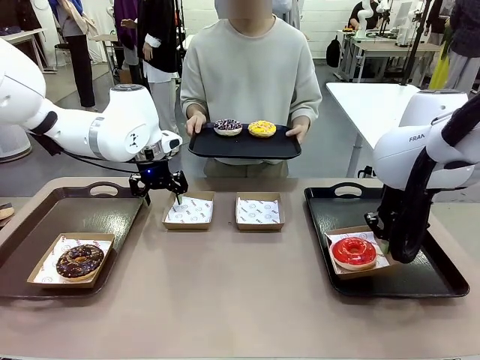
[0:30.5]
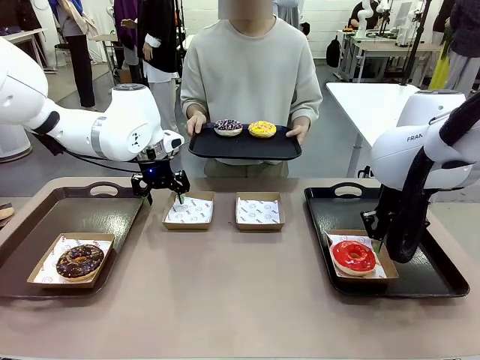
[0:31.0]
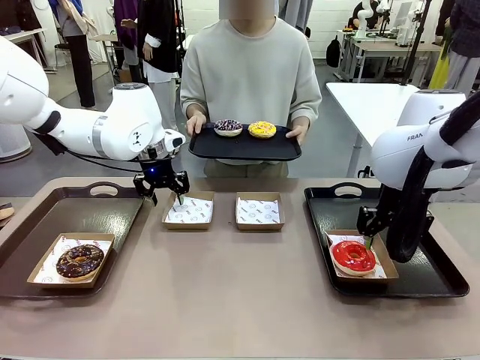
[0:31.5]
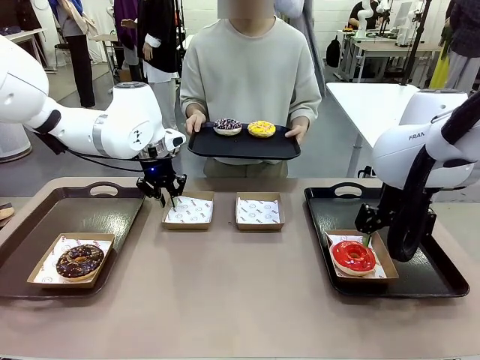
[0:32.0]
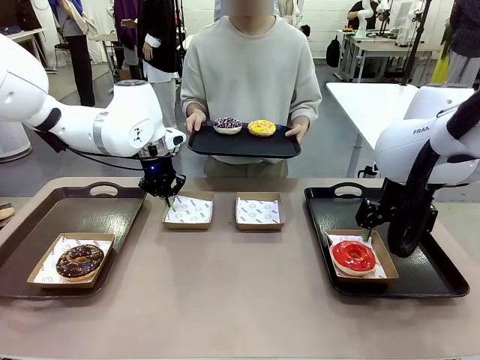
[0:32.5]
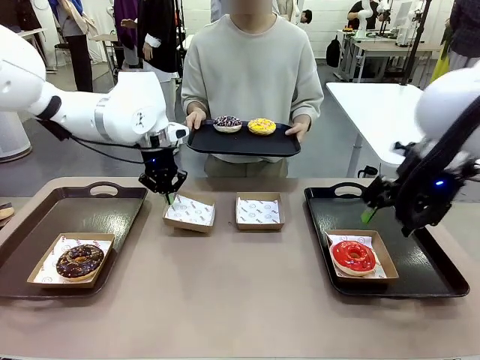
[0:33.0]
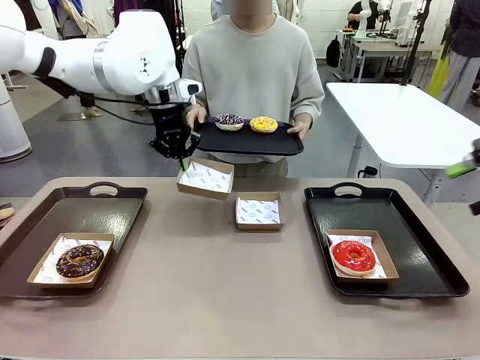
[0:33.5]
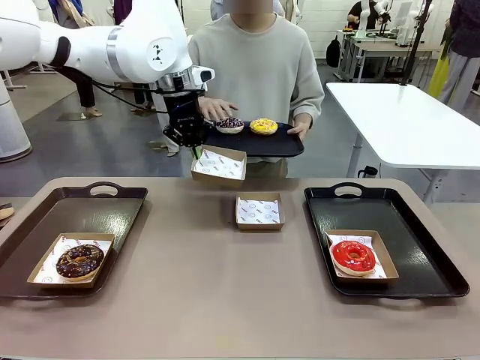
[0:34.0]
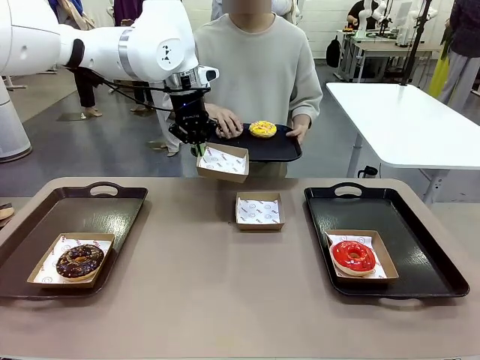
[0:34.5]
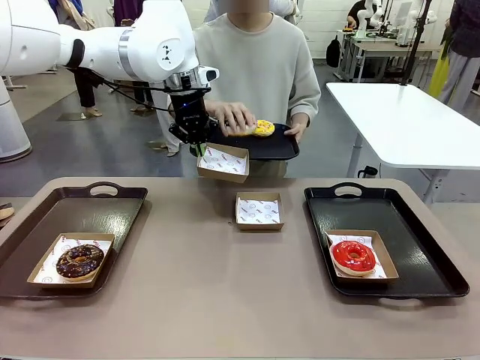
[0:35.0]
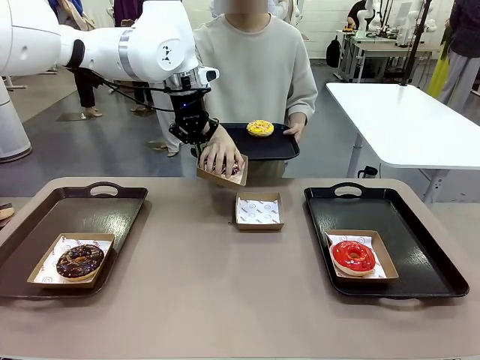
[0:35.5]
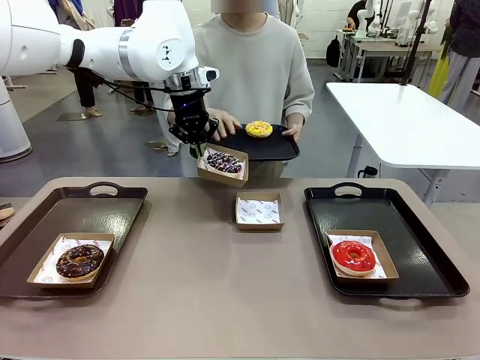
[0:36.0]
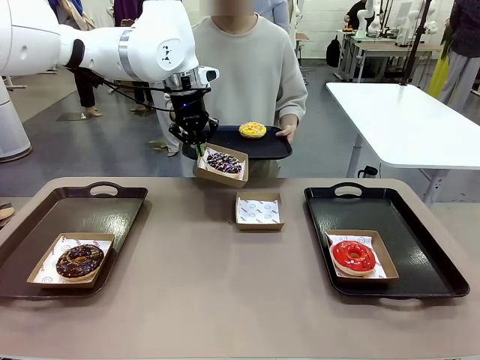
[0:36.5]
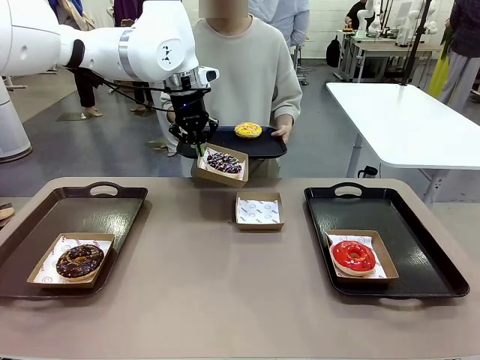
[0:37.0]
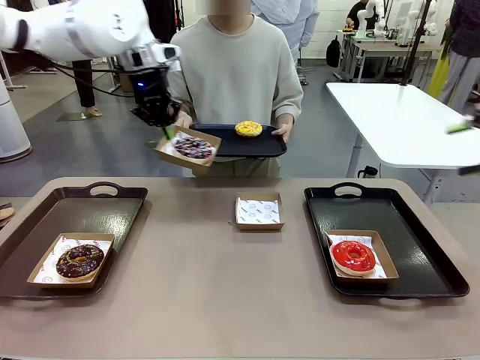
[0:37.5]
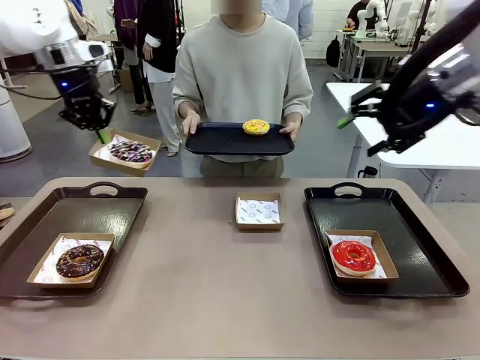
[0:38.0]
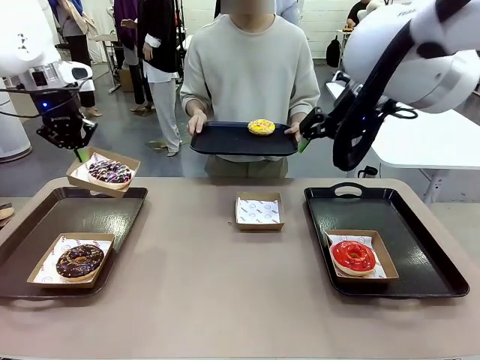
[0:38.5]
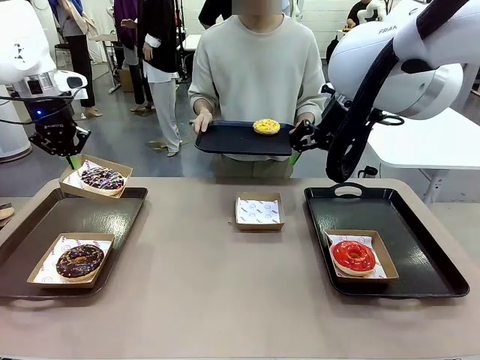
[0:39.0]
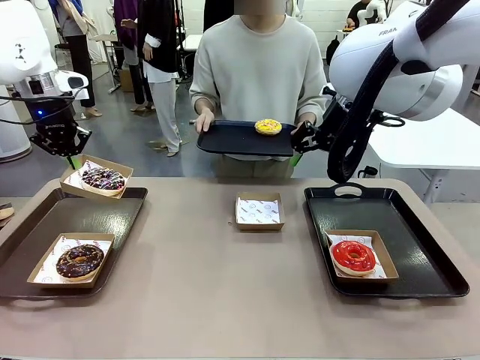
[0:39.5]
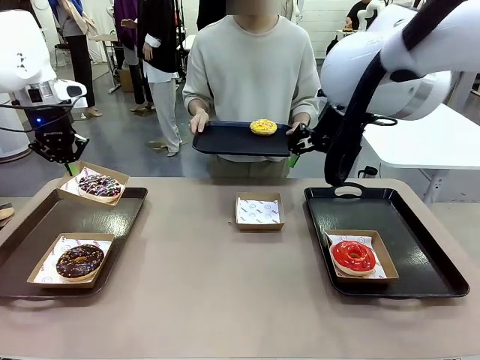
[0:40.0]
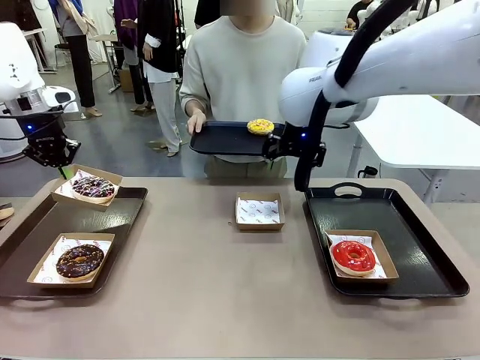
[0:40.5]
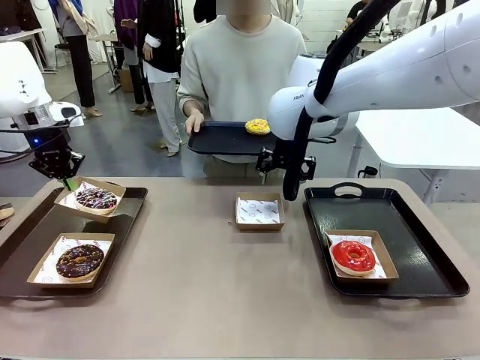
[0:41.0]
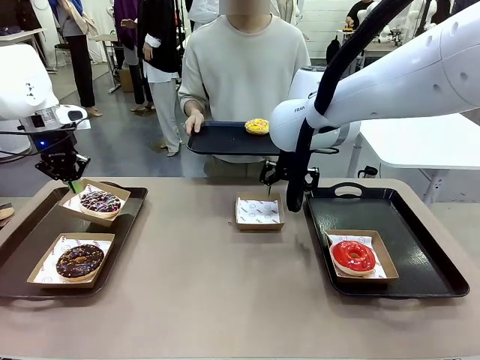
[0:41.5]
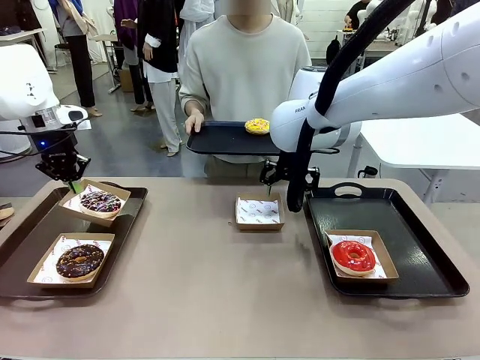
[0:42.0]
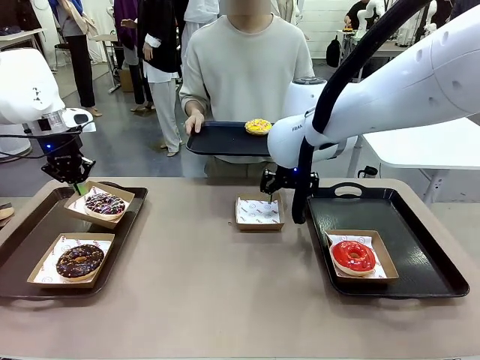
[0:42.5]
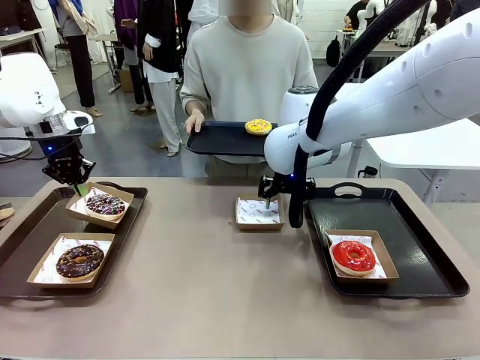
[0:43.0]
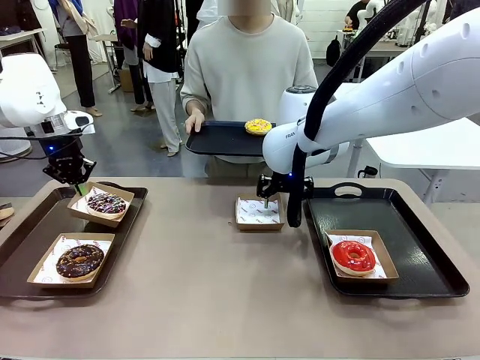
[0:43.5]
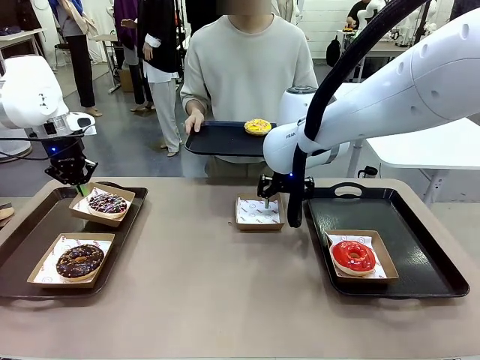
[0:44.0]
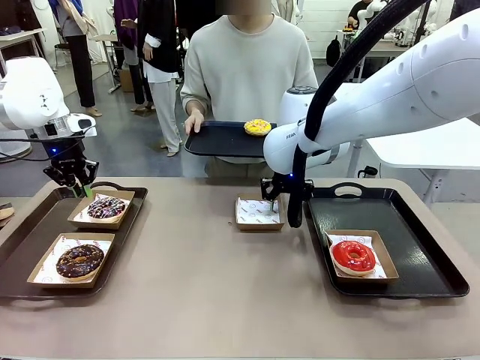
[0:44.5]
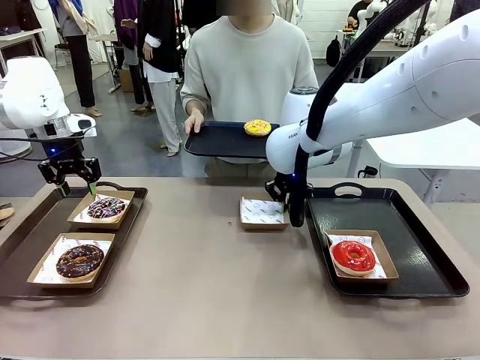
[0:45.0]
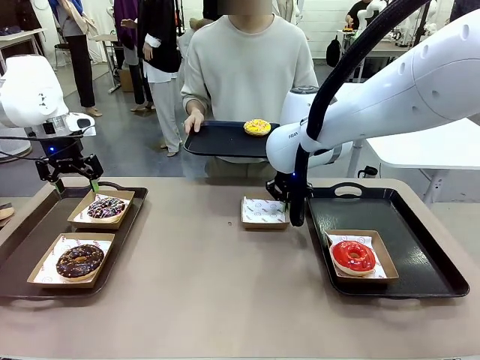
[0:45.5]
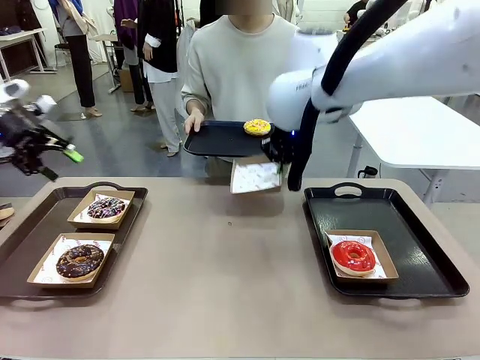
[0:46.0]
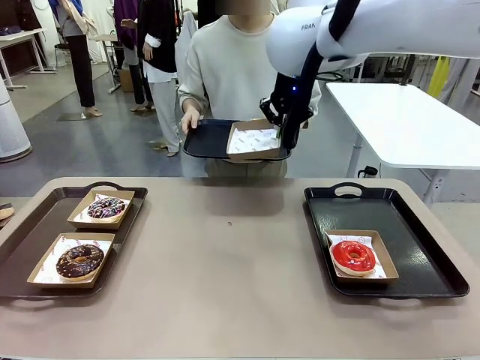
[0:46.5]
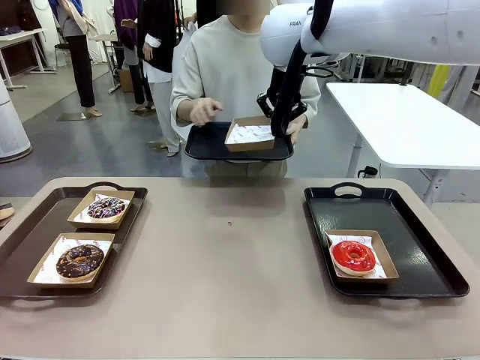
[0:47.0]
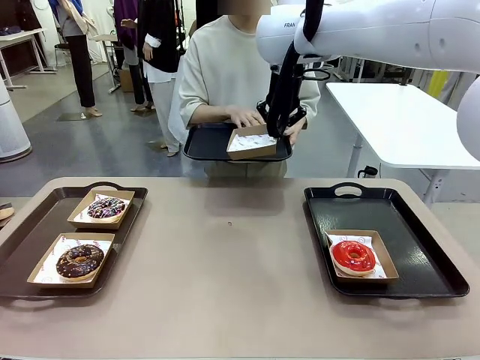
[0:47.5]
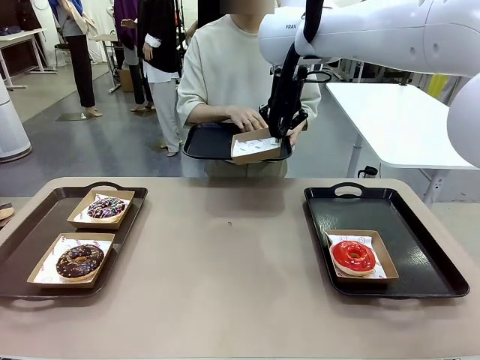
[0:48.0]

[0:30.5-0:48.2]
Task: Individually package the donuts and arrange them on the tray.
Robot: Place the picked Paper togo box on the Handle tray while simultaneously picking up another Paper togo box from the table with the other hand.

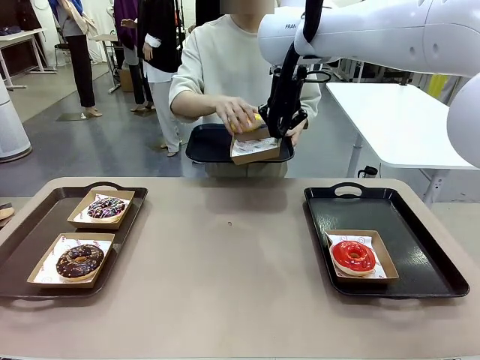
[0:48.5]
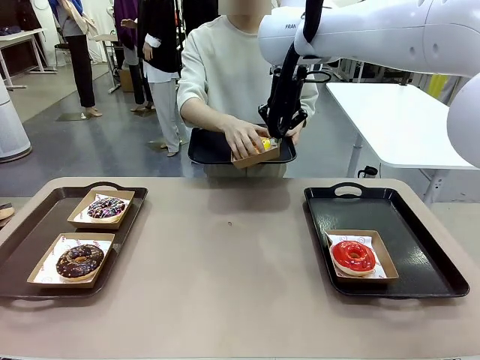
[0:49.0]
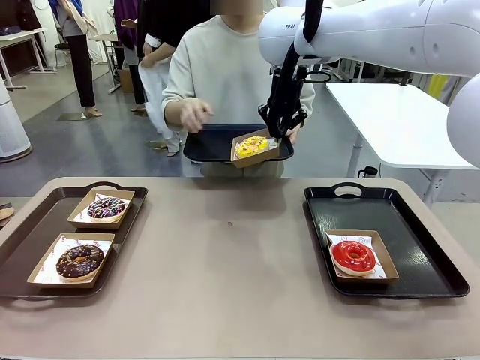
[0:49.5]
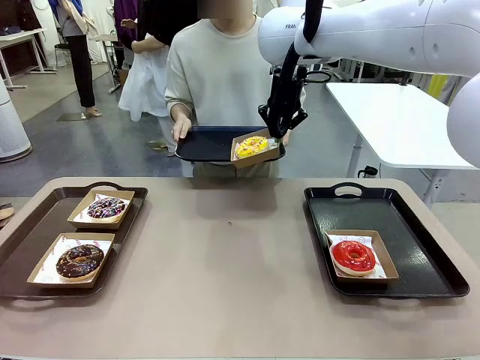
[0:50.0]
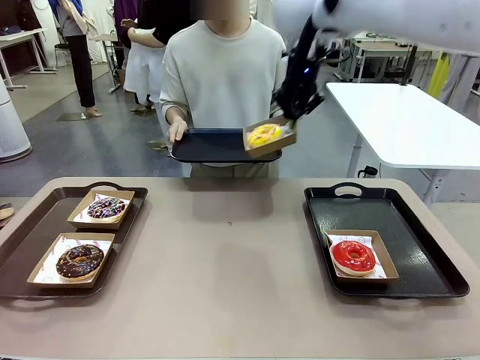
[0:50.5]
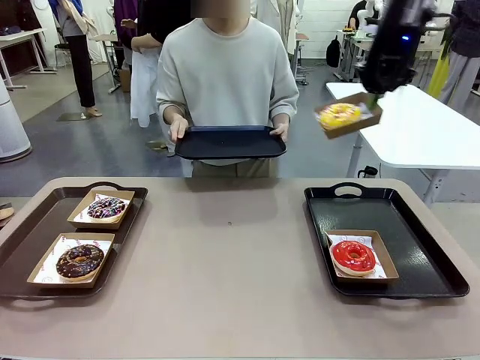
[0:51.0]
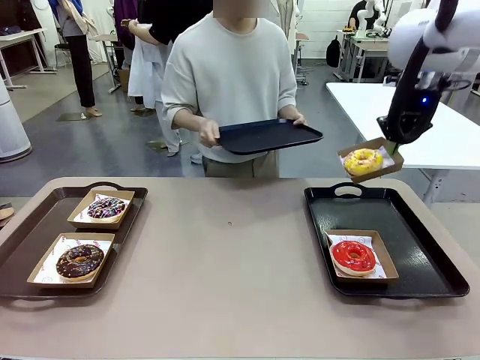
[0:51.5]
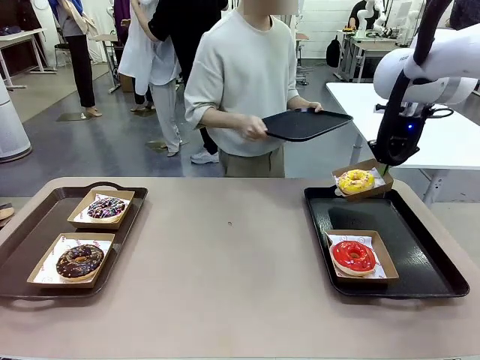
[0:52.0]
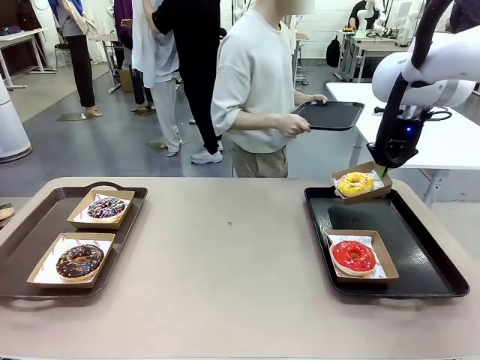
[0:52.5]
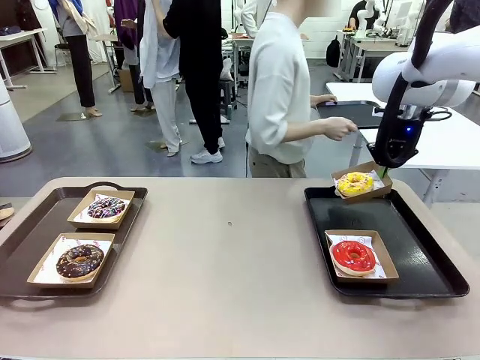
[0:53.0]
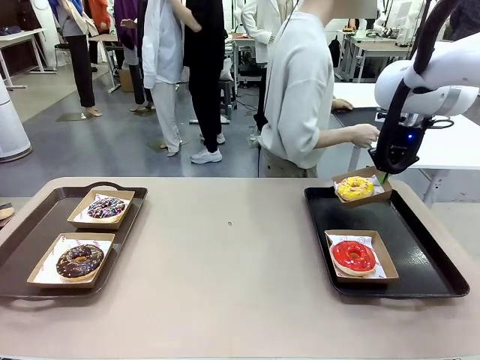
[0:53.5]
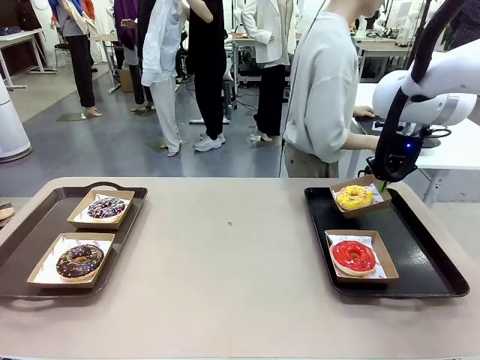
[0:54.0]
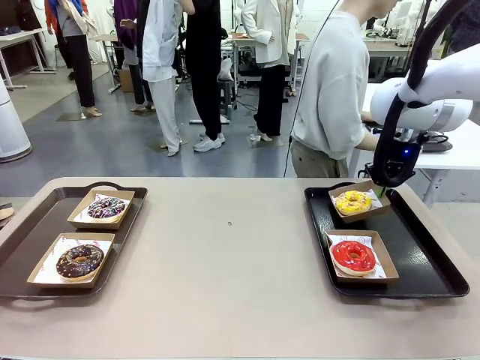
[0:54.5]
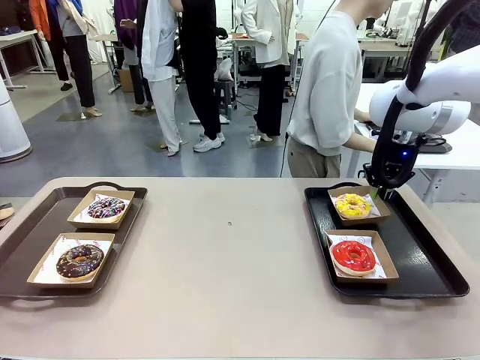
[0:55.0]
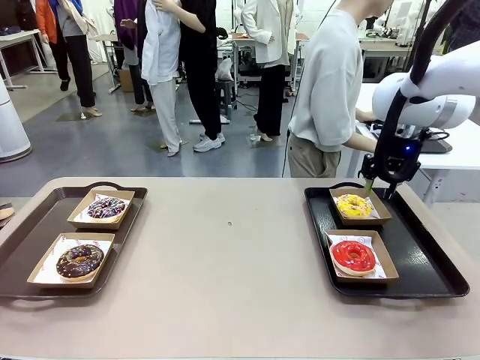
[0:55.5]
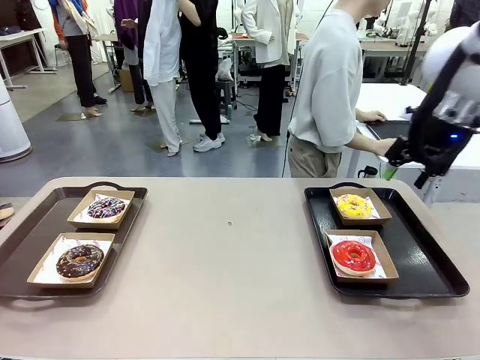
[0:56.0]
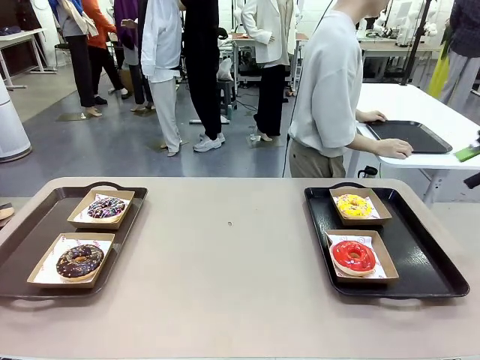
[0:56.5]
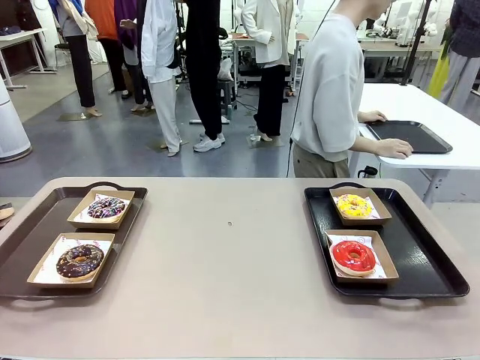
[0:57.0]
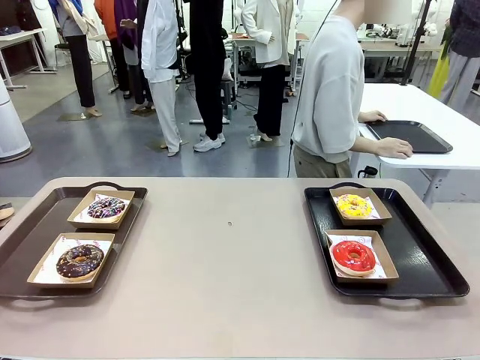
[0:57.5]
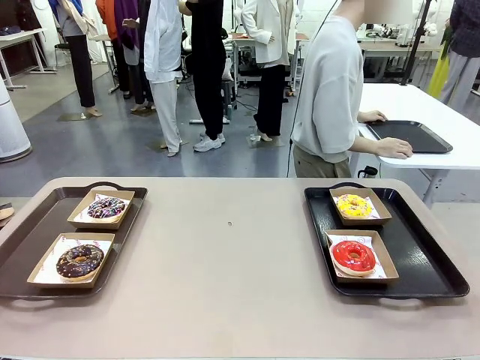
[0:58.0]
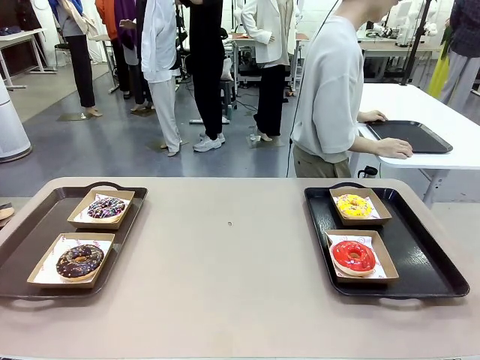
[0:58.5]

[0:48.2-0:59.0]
Robot: Place the picked Paper togo box on the Handle tray.
Person: Place the tray down in the middle of the human table.
